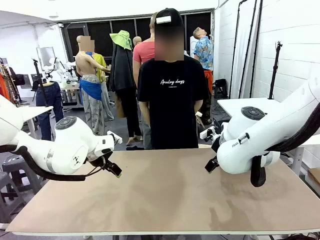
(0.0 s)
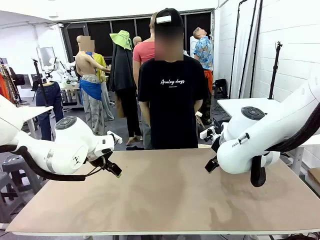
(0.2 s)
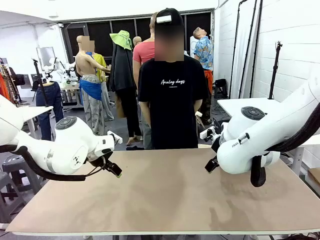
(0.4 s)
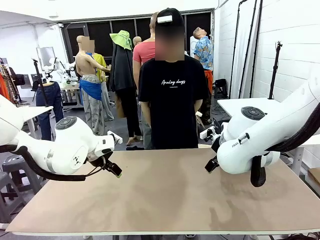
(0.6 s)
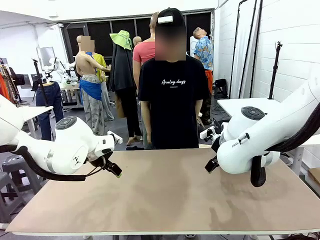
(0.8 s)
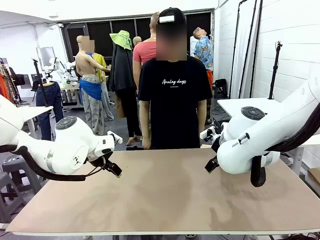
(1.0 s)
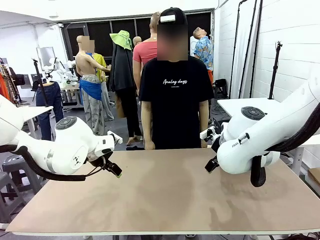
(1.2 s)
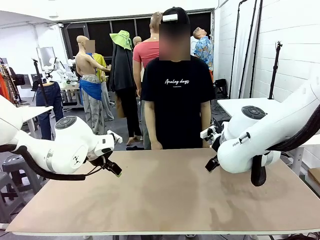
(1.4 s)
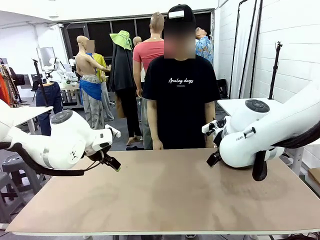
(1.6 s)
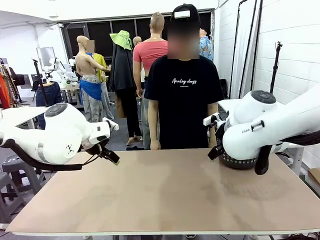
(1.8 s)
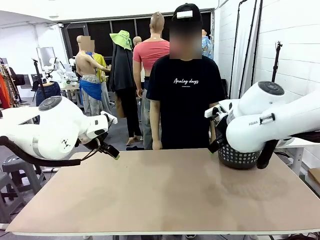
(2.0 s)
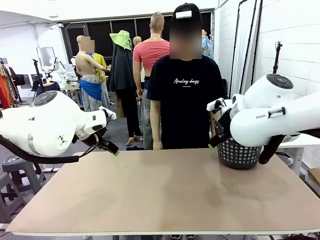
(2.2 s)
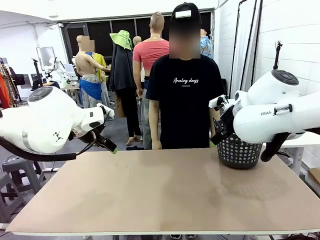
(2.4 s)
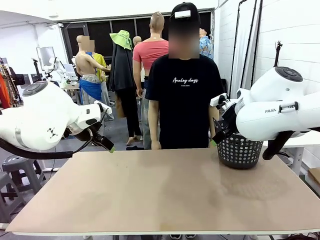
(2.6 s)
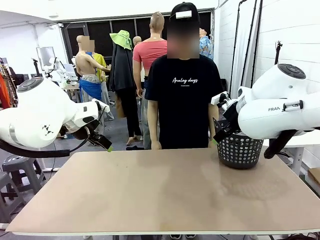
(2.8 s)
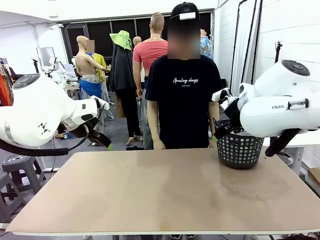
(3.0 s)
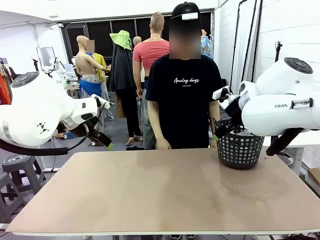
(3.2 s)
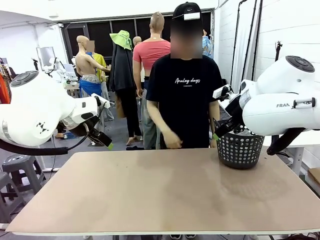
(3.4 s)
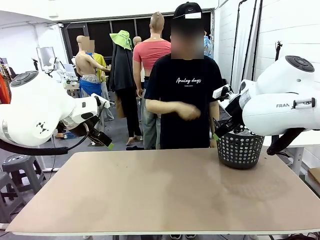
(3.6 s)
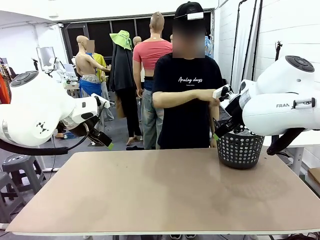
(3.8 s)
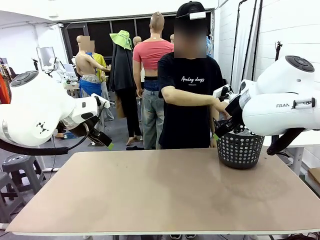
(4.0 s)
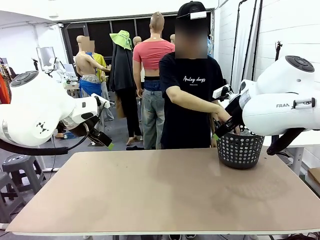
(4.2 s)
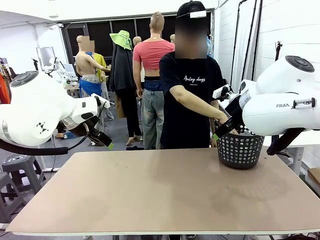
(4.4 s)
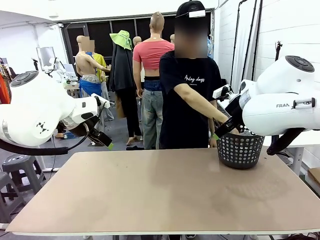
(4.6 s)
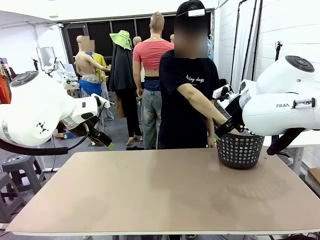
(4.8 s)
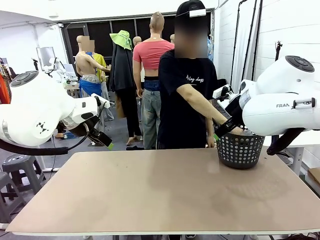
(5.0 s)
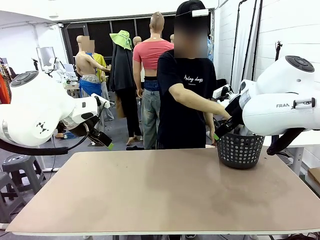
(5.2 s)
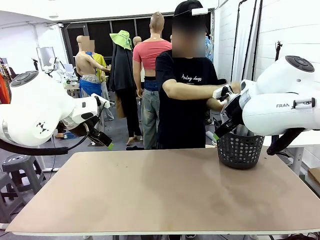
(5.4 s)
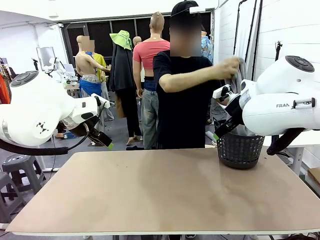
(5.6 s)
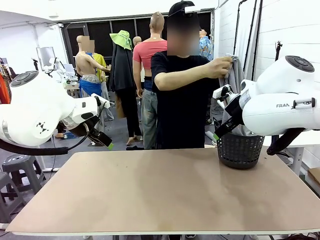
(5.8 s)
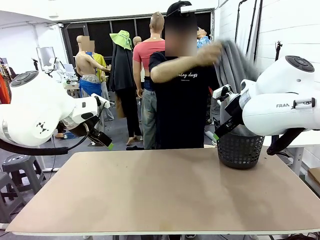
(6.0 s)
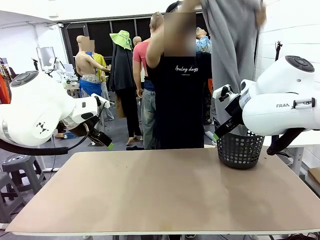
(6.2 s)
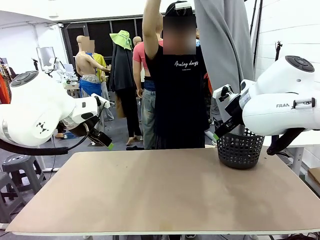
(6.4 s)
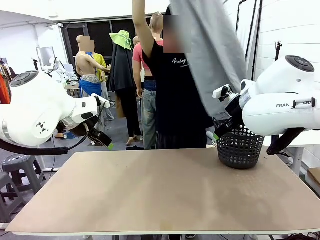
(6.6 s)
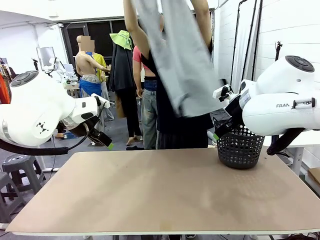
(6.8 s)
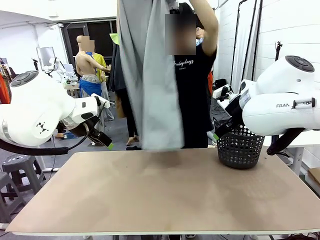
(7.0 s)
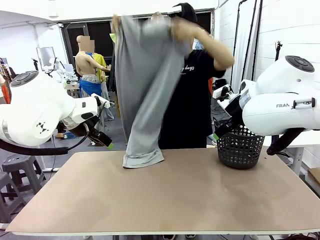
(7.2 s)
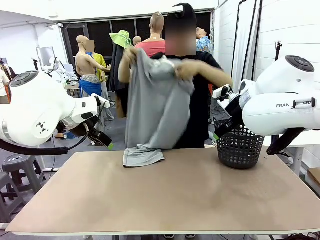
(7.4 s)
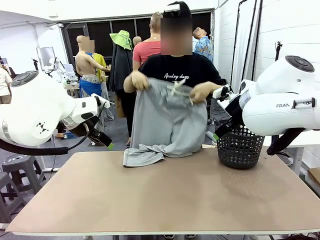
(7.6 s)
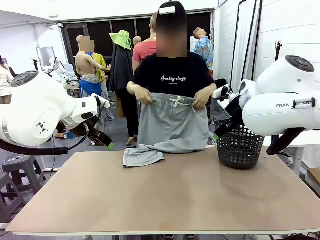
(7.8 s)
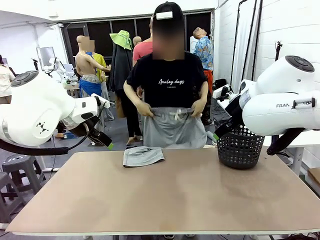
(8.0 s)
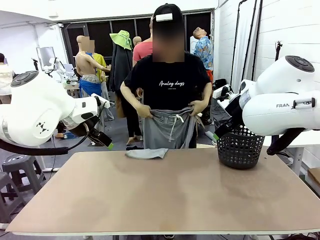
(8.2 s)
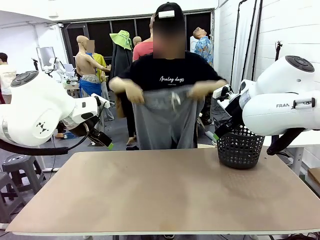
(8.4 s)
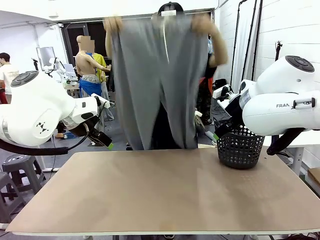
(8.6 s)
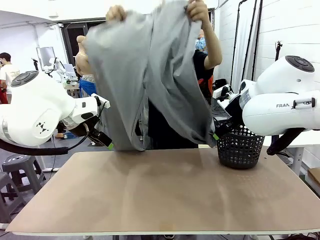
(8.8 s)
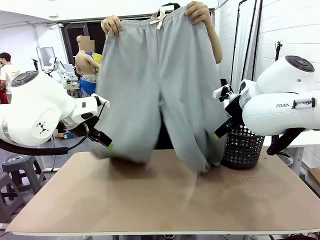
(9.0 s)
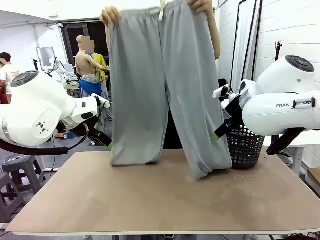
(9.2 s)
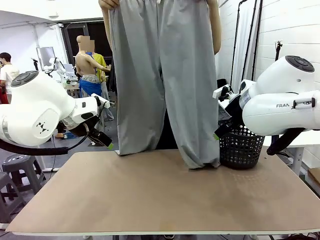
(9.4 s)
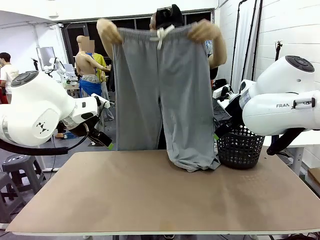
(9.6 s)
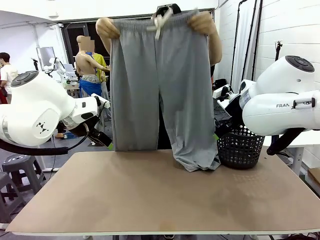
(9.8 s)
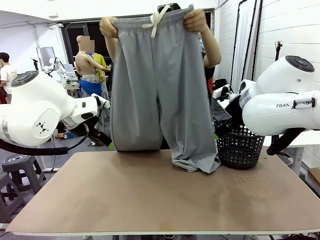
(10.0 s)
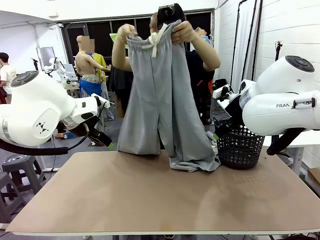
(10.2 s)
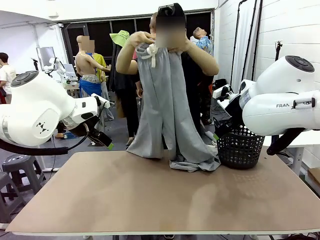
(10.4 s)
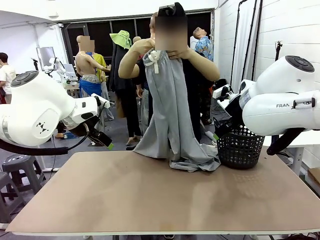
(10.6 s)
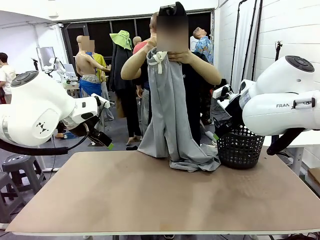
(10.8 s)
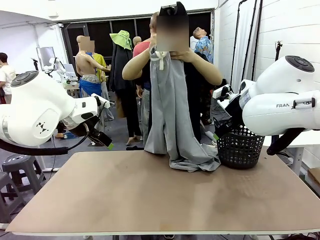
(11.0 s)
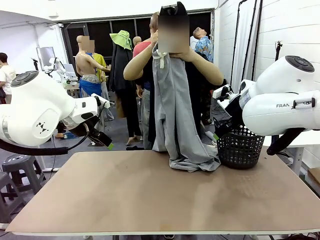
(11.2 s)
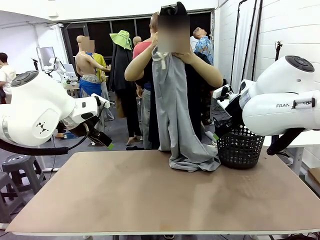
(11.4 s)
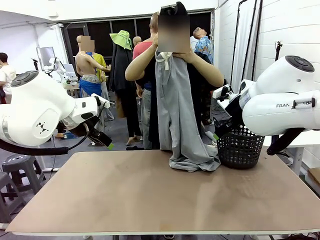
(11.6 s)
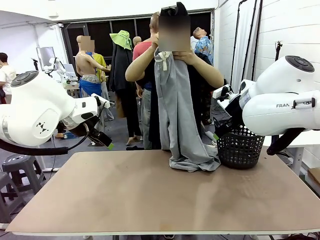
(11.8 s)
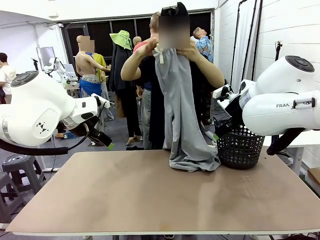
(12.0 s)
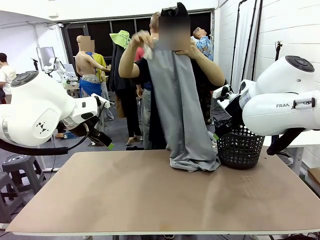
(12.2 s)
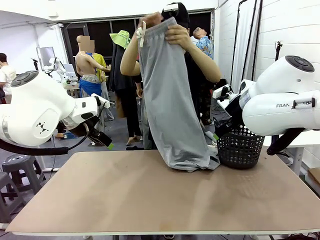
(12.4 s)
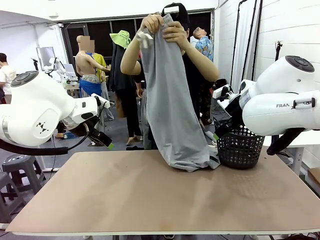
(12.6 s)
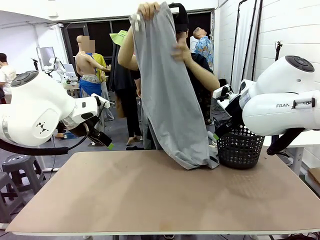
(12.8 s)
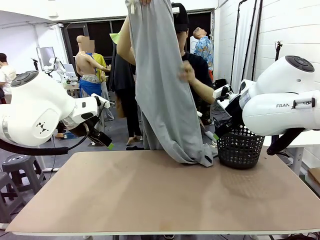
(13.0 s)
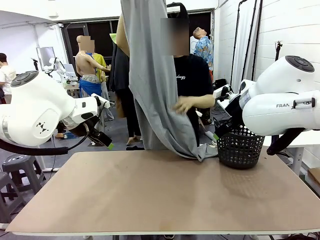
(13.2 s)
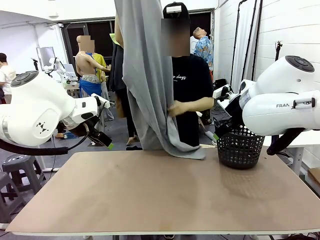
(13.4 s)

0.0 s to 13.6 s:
Task: Fold the training pants.
Robot: Grab both ends of the Training pants handed by a person.
Person: Take the long pants out of the laundry basket, unfold them, fold the waist in half, and extend them so the robot can pick up both corners.

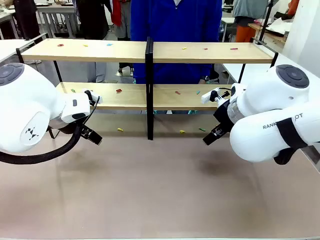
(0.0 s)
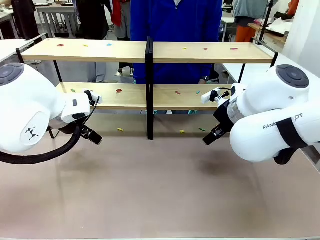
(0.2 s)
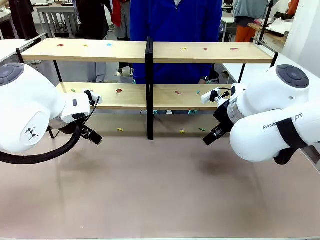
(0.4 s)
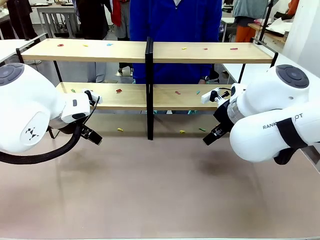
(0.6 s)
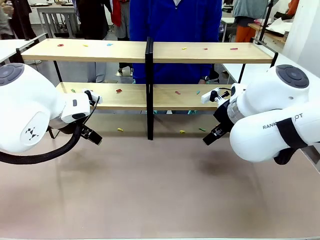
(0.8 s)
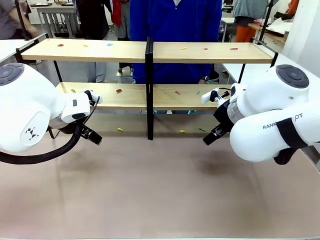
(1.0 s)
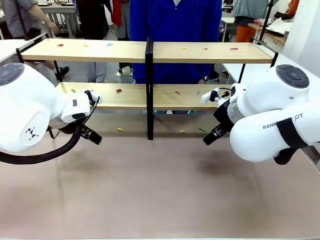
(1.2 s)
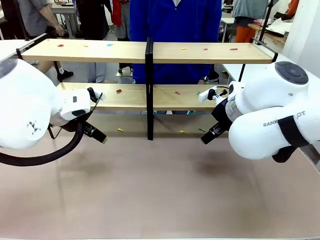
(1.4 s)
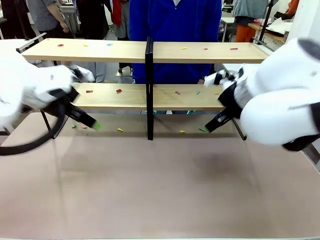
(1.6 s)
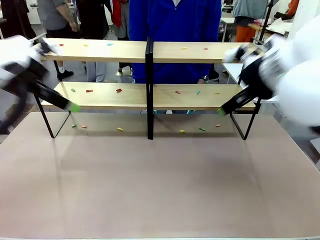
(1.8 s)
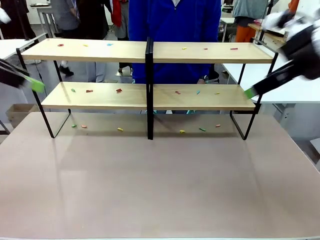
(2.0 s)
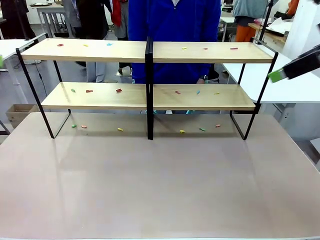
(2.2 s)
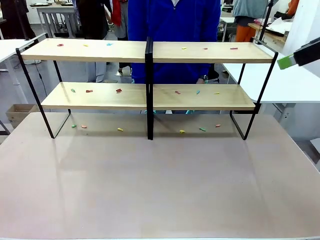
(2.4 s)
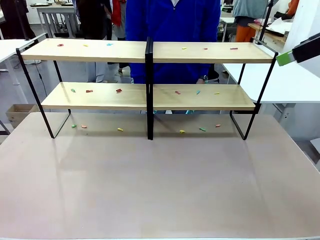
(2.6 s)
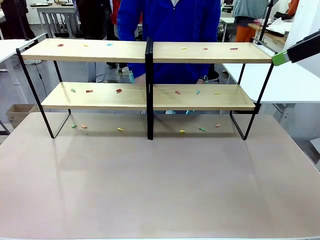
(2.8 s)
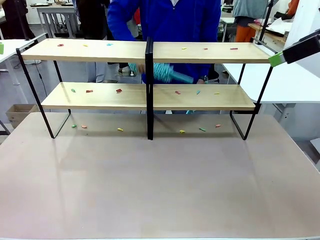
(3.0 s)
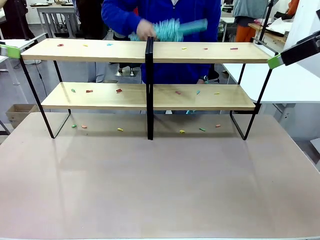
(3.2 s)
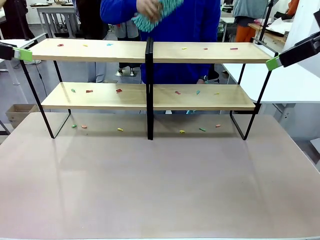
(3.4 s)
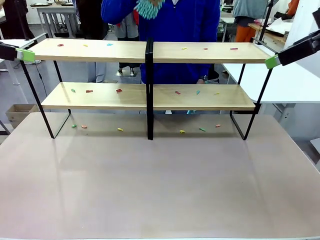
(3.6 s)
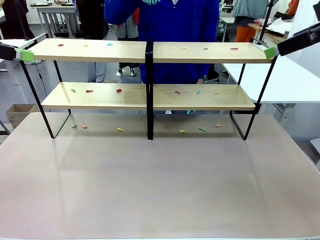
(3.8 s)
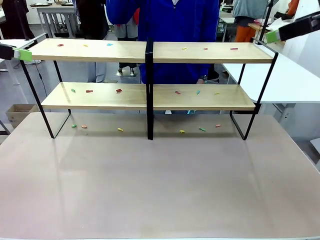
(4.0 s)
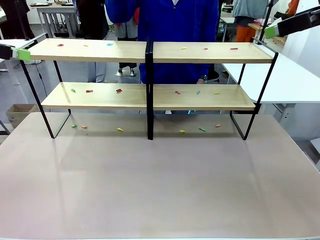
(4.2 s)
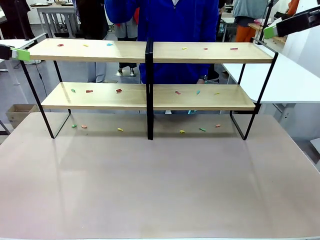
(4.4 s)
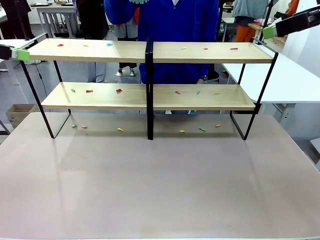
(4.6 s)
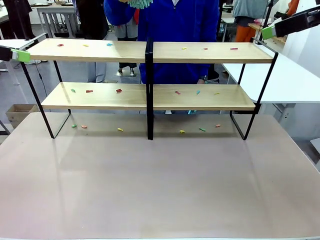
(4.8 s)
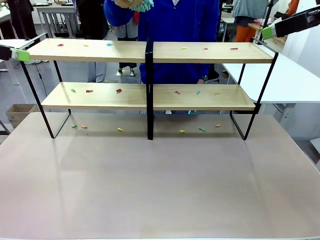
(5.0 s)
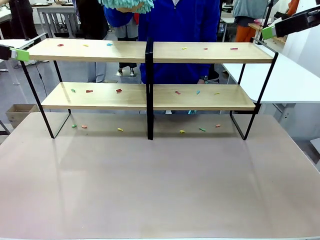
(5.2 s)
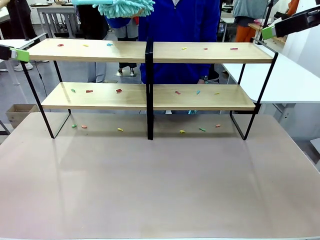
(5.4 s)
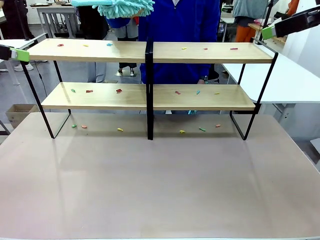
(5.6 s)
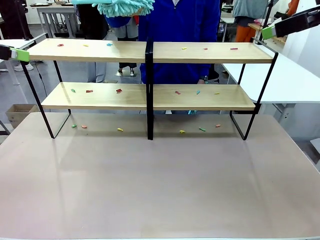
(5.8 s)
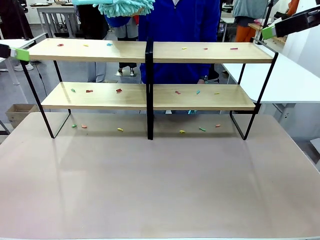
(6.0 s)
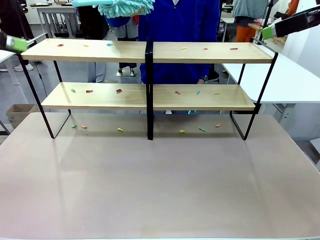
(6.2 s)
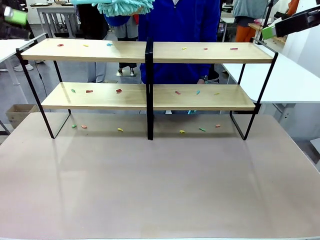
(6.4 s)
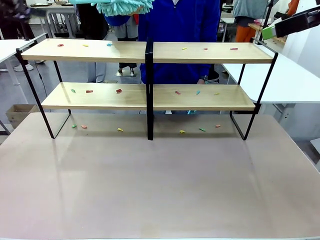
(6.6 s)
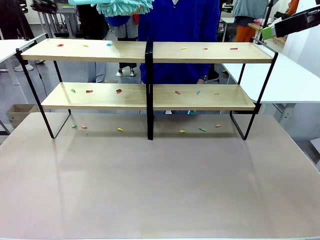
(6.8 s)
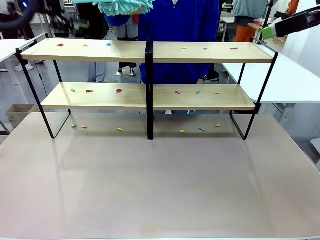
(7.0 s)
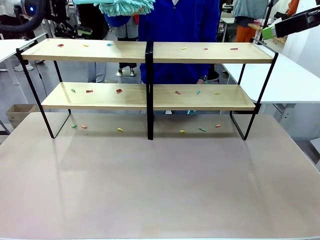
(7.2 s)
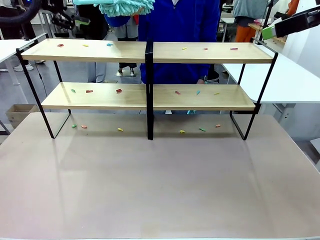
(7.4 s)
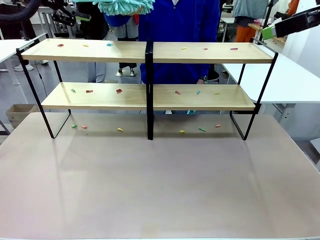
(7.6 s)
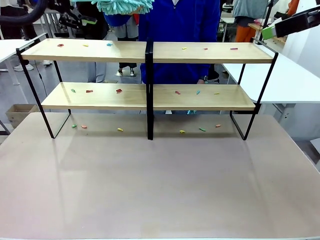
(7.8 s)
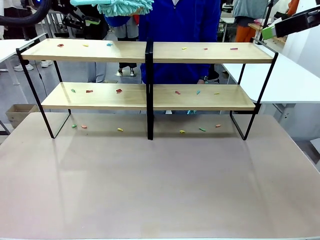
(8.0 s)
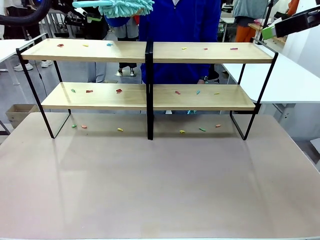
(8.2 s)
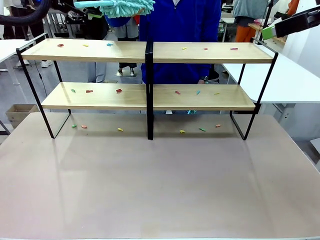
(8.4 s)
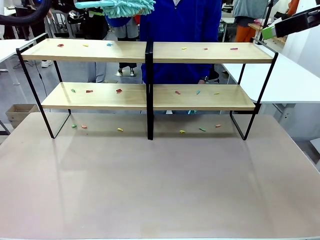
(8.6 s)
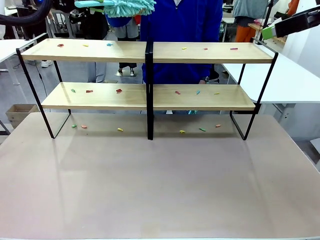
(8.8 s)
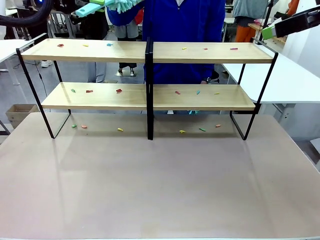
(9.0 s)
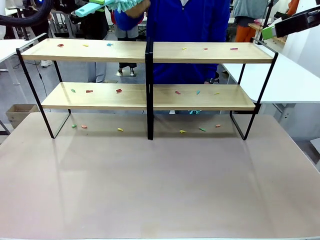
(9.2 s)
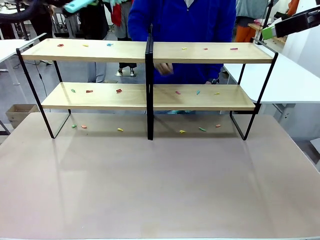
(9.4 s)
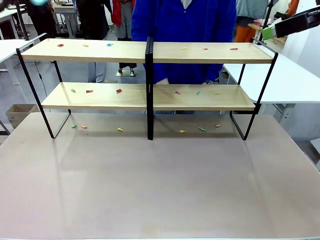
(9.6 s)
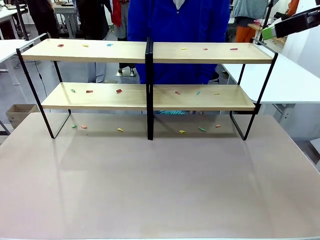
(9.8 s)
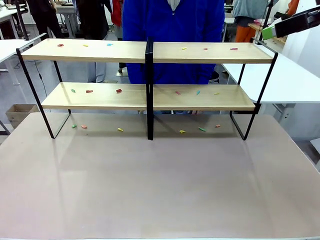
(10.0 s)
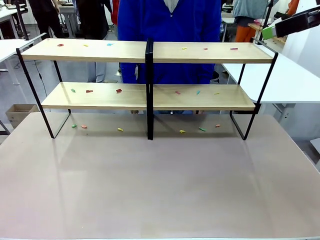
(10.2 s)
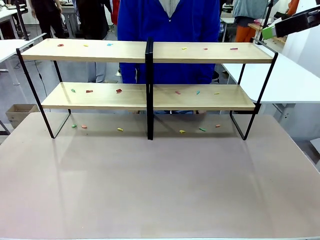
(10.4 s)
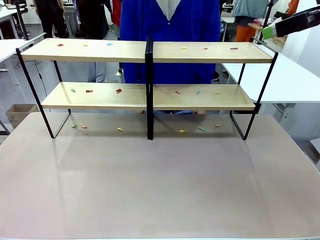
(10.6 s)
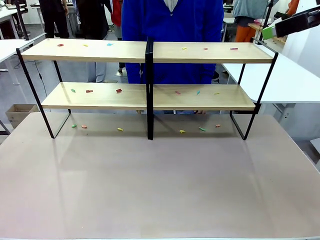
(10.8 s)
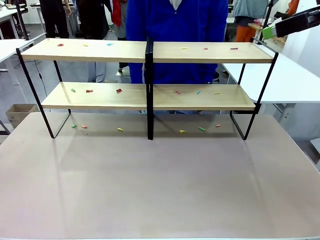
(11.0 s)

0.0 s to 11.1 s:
Task: Clean the shelves.
Robot: Pick up the Duster when the human hands it over.
Person: Hand the Duster to the robot with your right (or left) hand.
